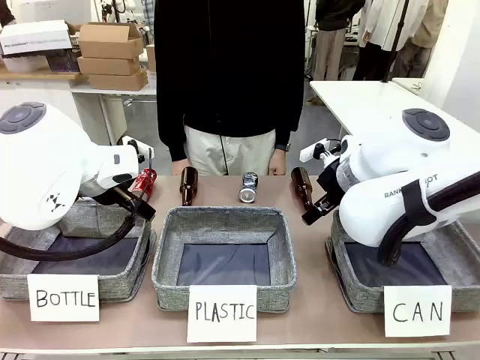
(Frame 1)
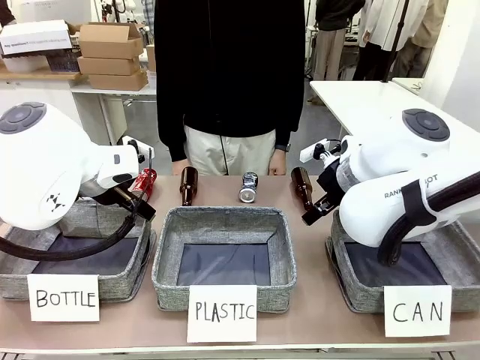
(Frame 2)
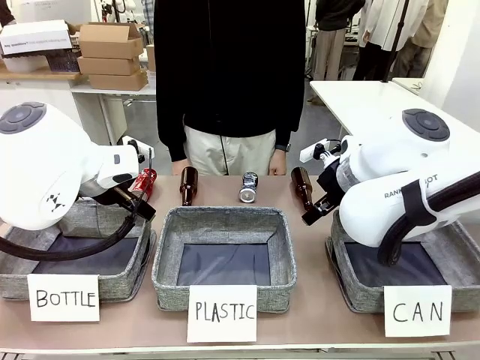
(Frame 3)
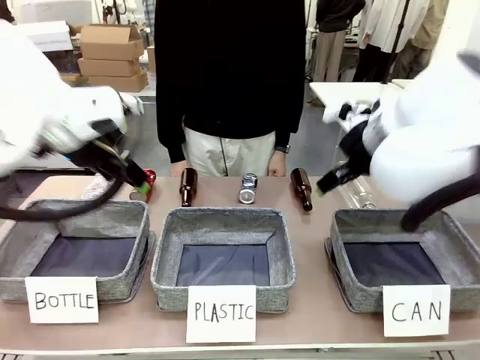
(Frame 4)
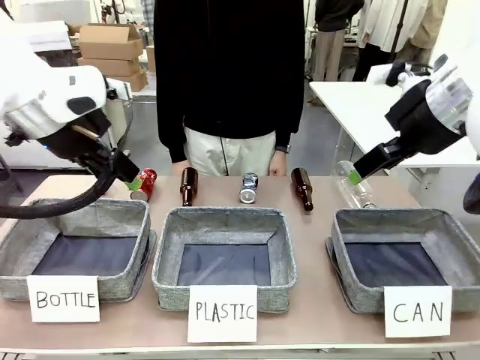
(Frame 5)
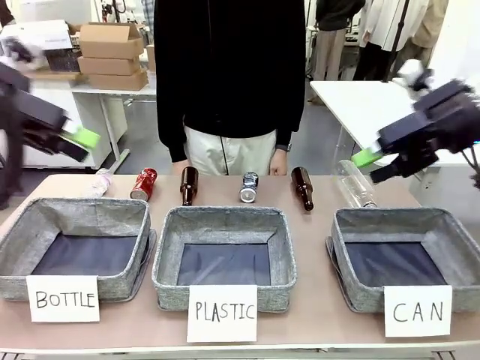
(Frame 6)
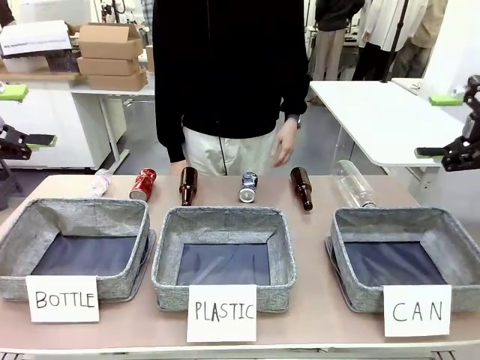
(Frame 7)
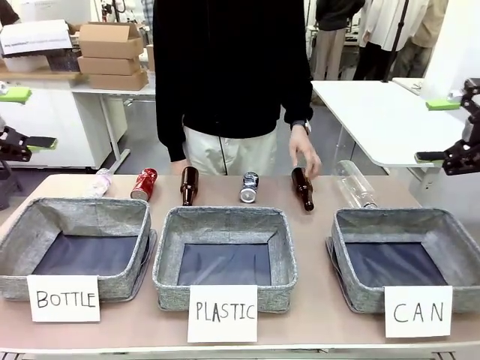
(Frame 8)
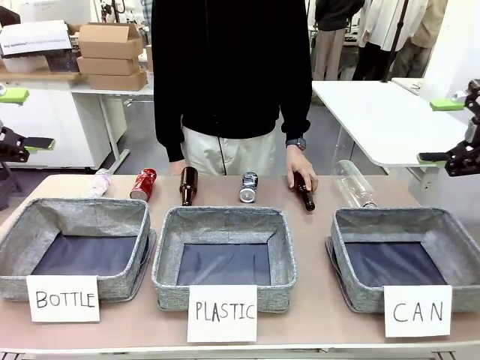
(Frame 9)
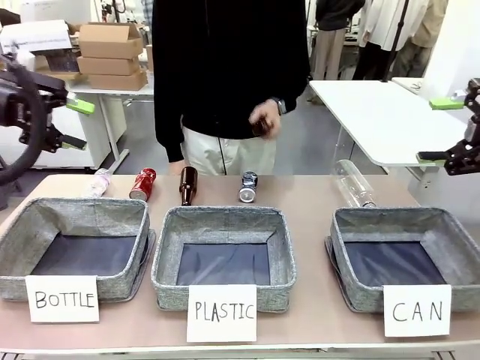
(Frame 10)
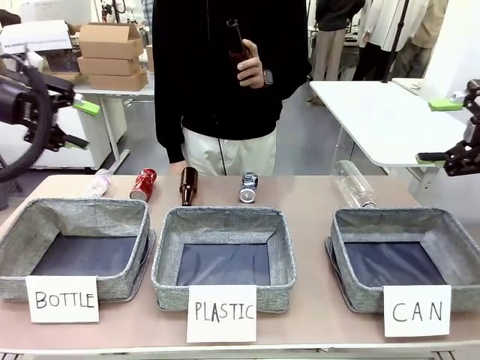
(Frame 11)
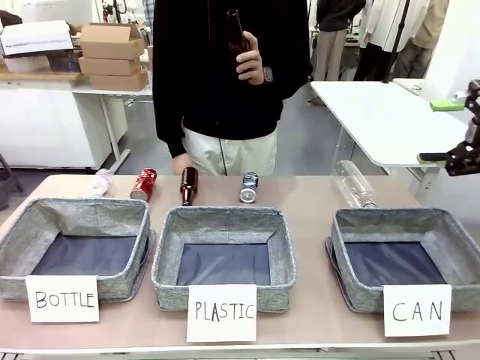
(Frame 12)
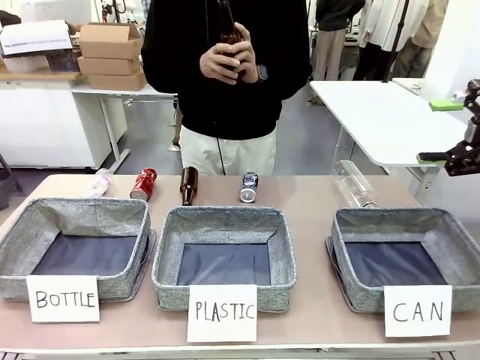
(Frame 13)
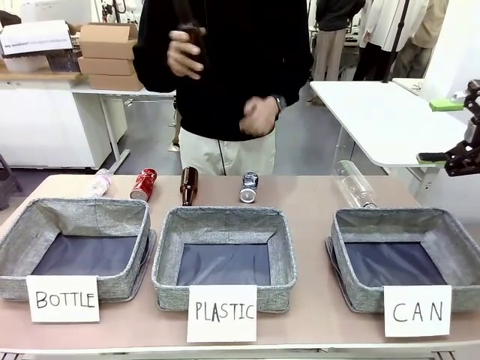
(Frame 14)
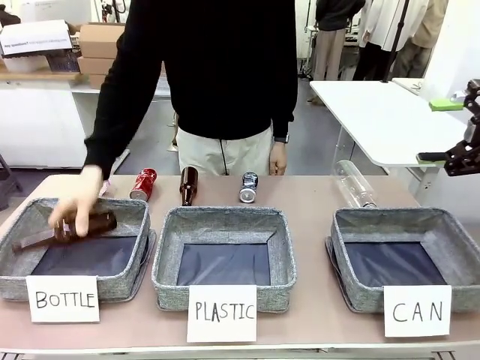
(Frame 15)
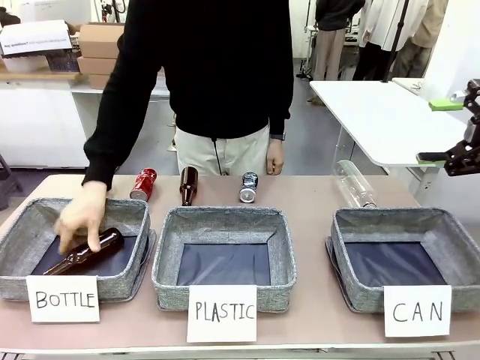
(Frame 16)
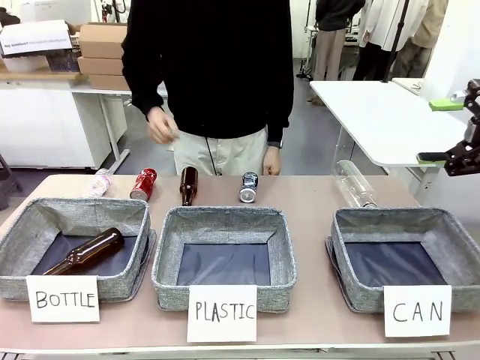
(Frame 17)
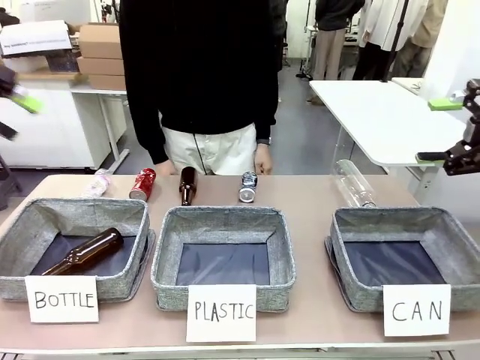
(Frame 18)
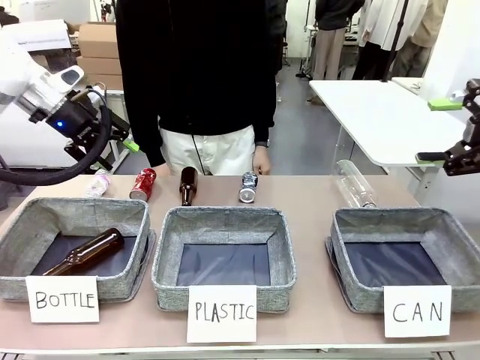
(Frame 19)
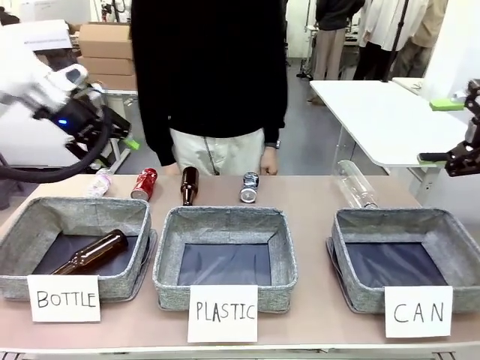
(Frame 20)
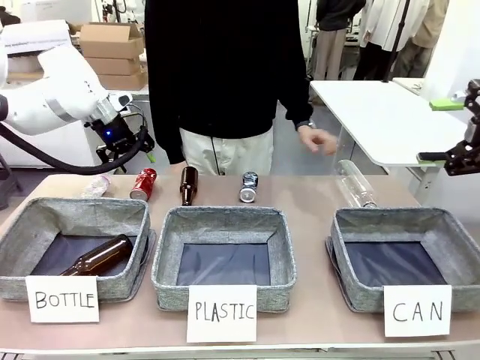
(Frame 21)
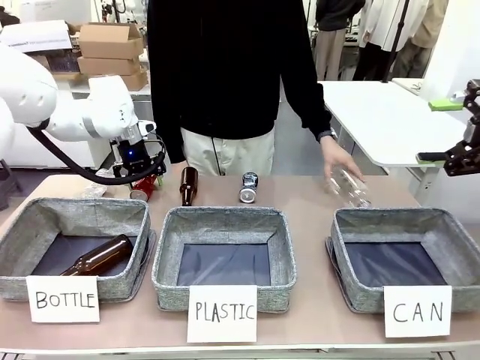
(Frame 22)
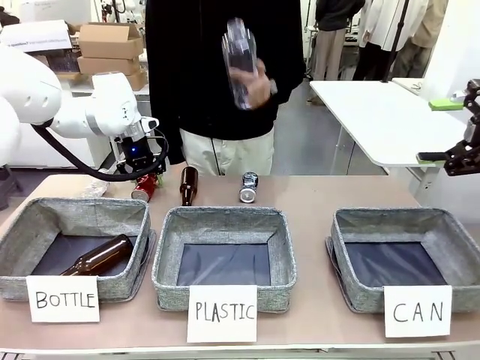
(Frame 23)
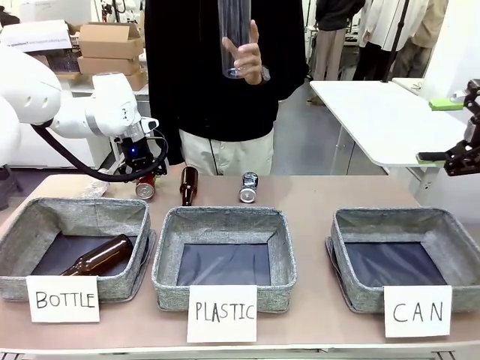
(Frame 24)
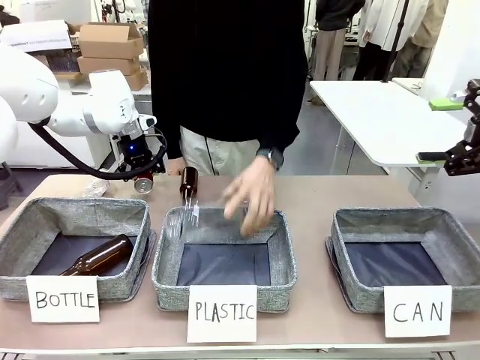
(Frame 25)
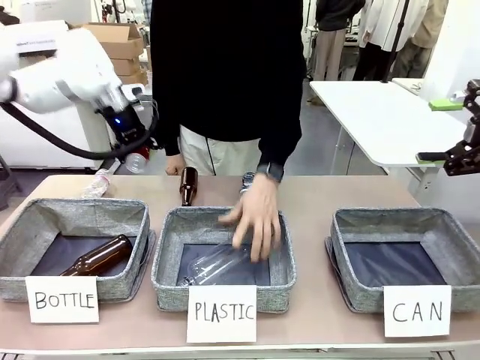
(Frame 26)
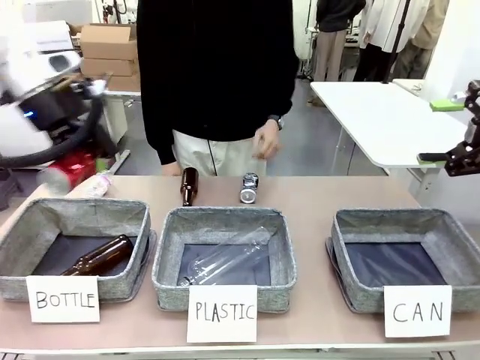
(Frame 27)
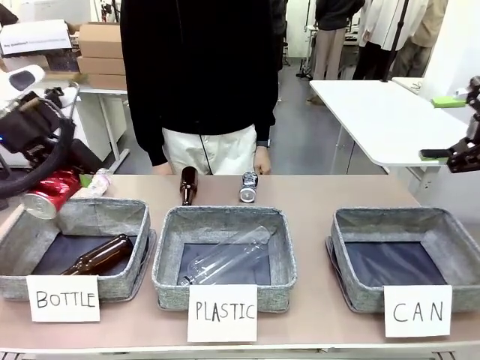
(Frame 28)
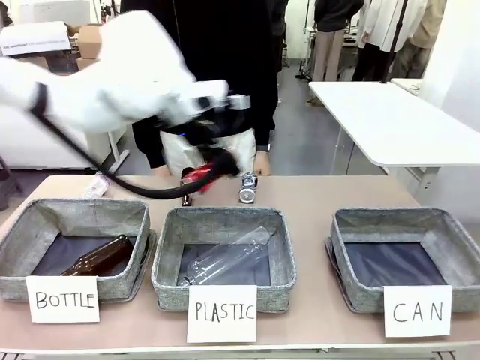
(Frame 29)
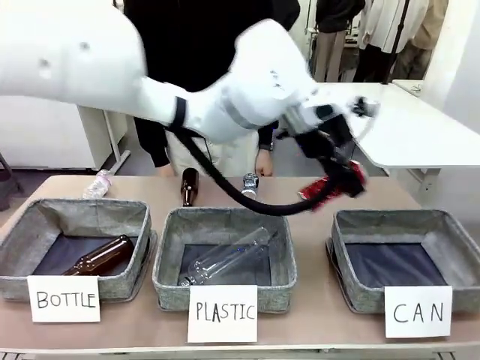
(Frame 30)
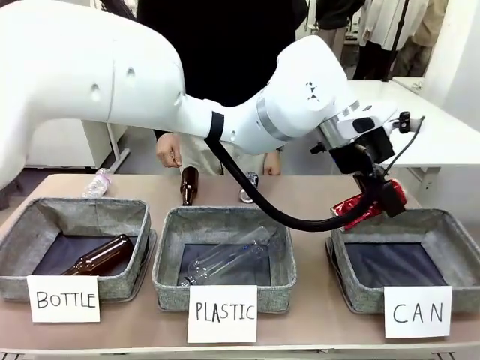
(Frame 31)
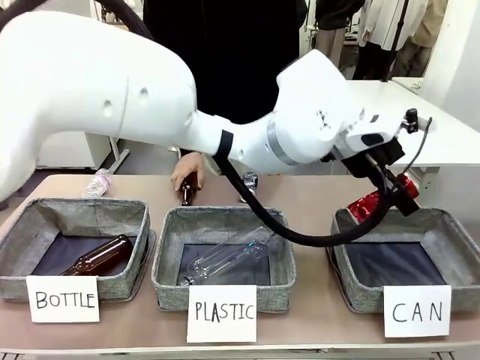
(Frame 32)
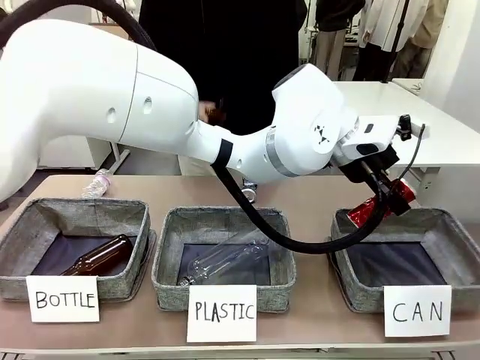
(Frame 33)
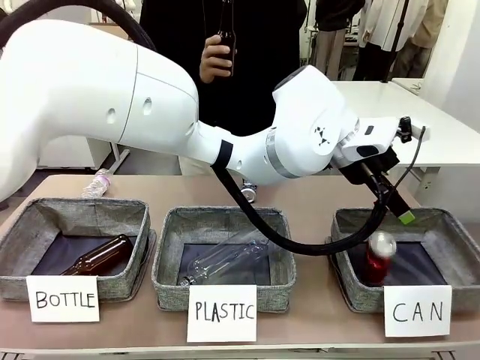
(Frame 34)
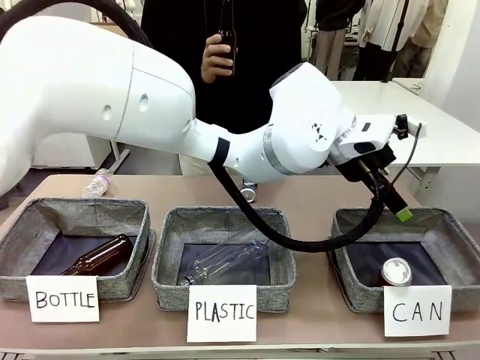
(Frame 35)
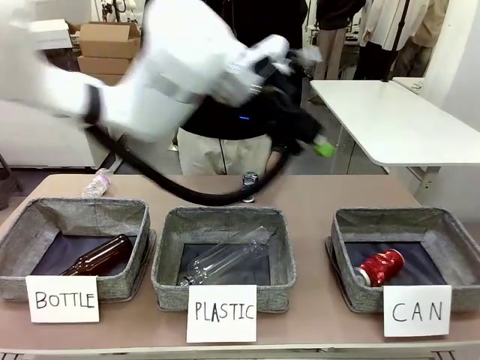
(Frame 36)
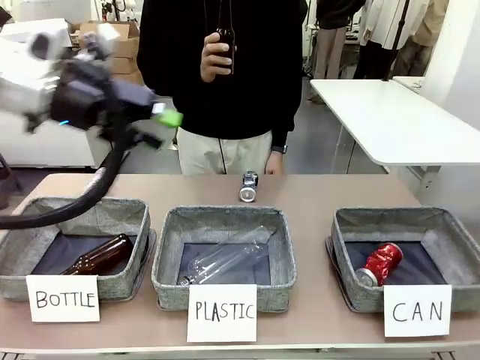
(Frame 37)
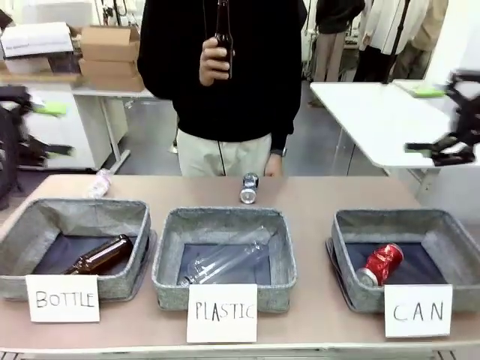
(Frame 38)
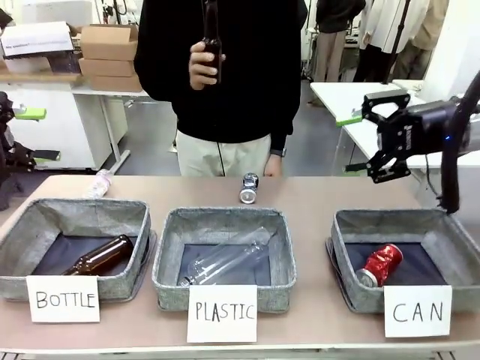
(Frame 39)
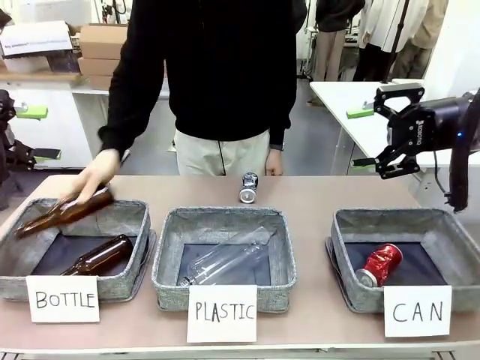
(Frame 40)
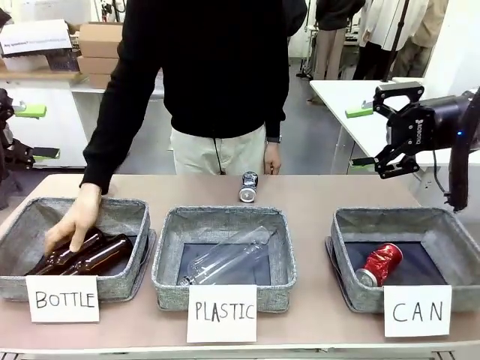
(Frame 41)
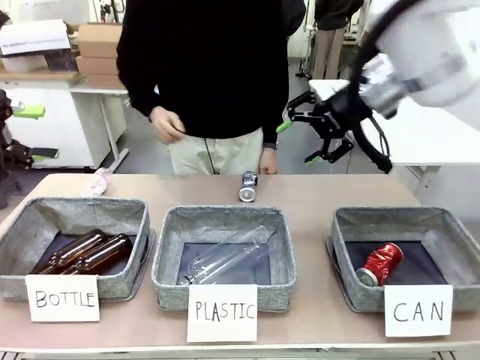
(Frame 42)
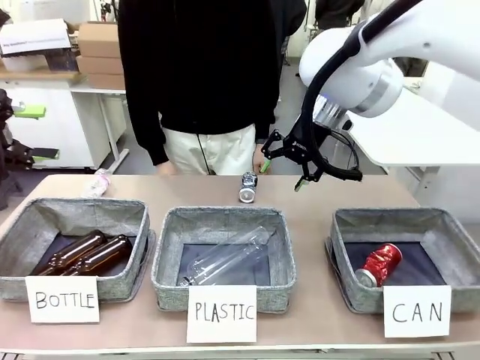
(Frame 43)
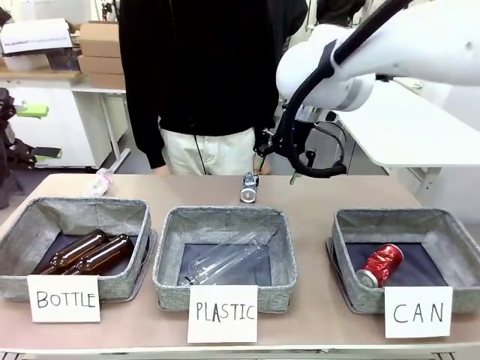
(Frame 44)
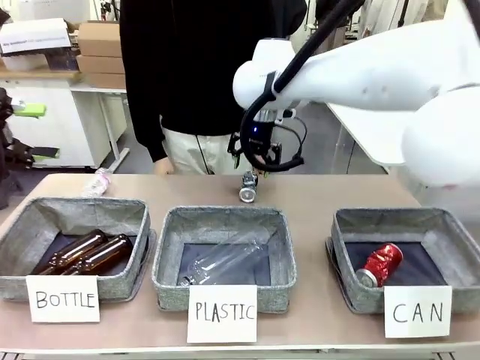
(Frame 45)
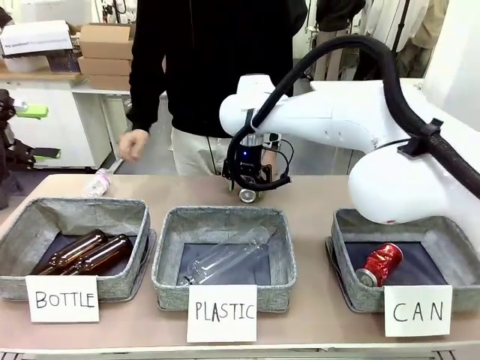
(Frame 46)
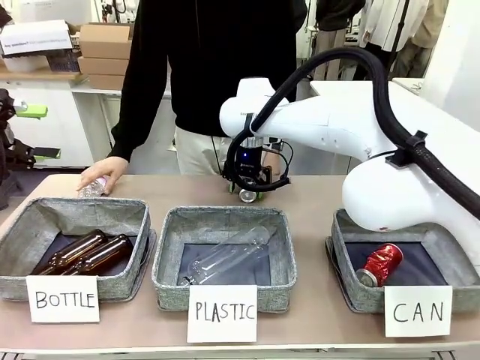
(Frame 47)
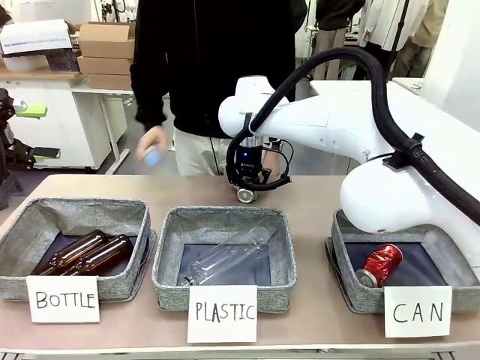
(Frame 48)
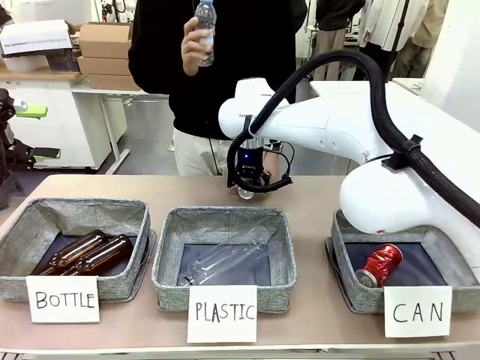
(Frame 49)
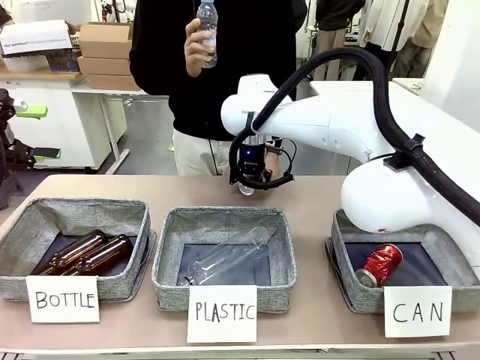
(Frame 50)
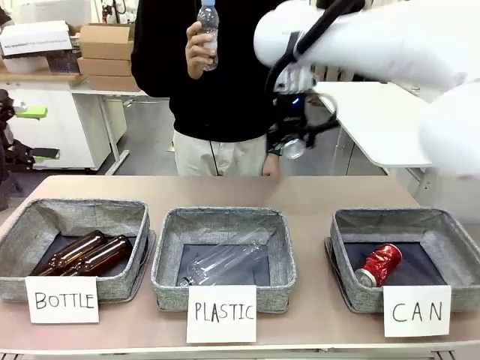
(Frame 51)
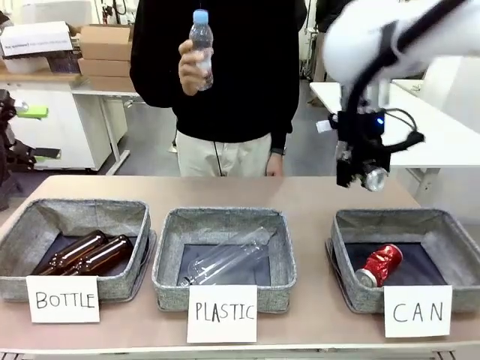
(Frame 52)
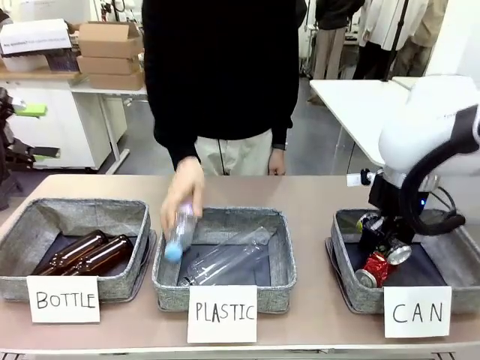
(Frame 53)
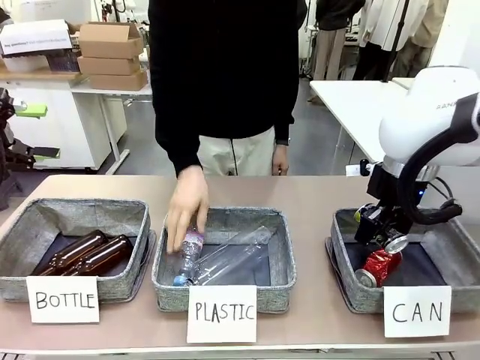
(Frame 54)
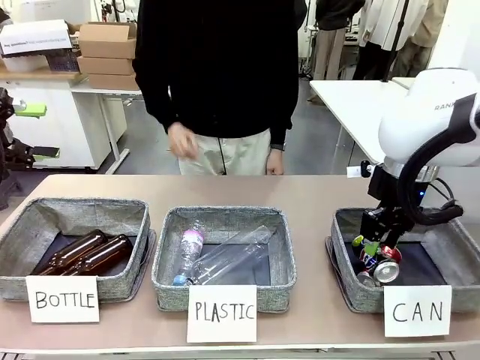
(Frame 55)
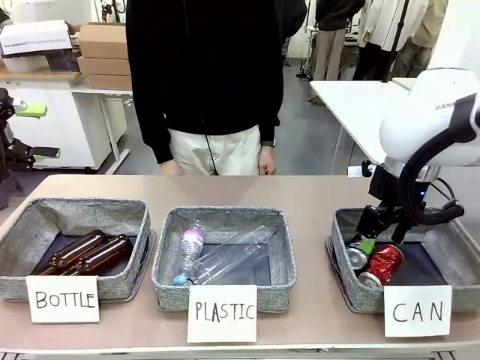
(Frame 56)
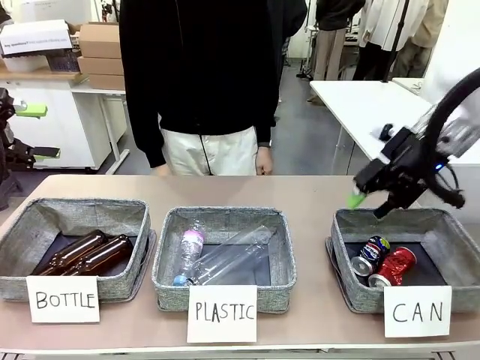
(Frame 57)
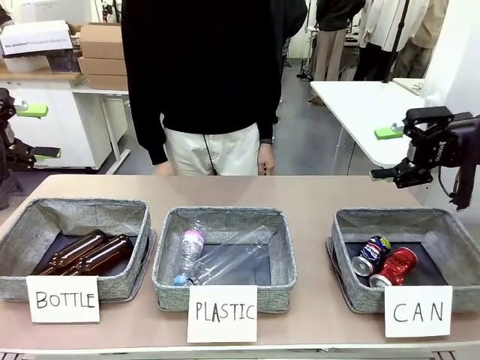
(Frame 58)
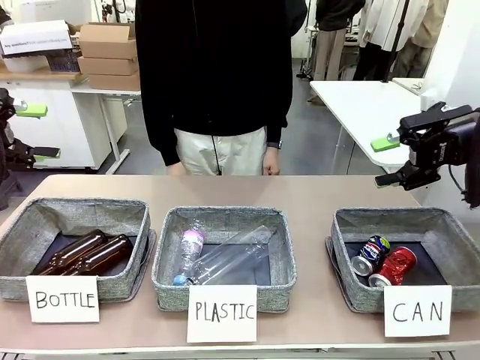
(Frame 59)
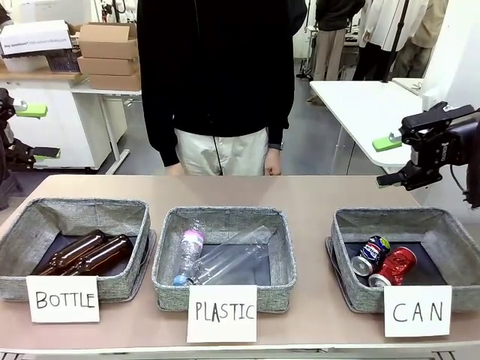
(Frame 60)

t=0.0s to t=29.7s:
Task: Sort the can waste into the basket.
Robot: Pick up the can waste from the table and place it in the right Fabric basket.
Person: The human picks up one piece of trash that is not a can and places the trash into the appropriate organizing basket.
